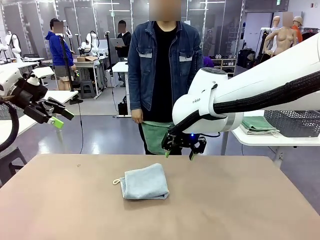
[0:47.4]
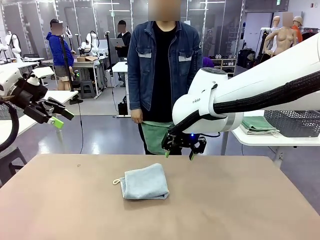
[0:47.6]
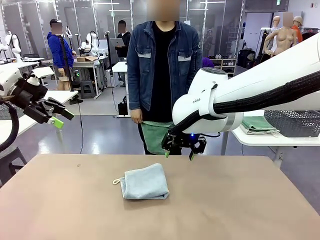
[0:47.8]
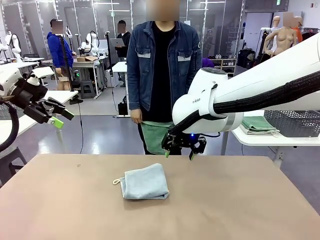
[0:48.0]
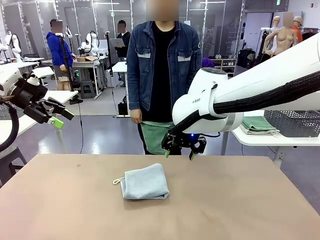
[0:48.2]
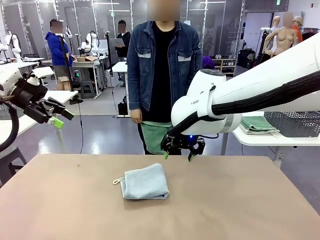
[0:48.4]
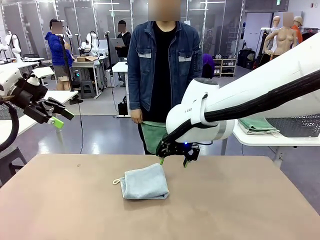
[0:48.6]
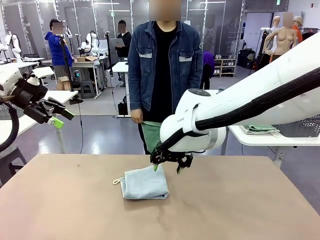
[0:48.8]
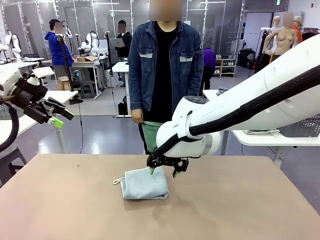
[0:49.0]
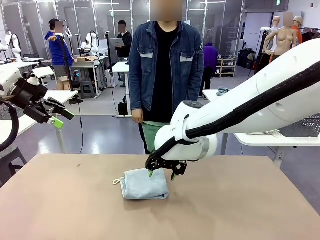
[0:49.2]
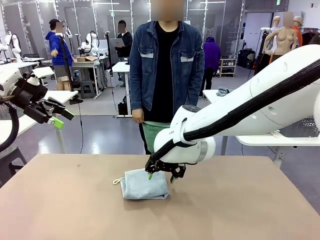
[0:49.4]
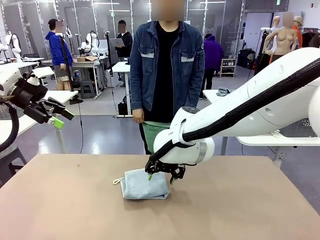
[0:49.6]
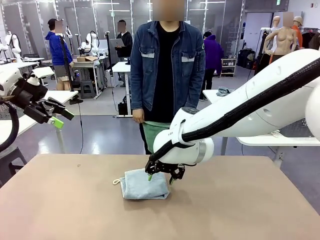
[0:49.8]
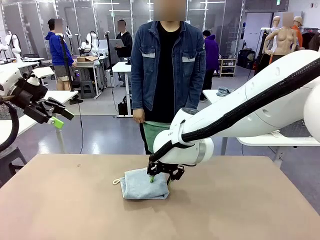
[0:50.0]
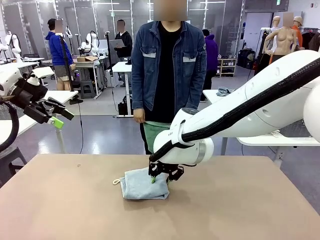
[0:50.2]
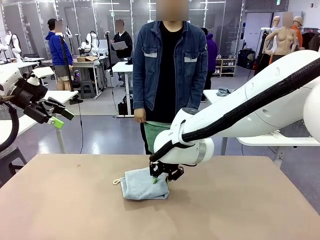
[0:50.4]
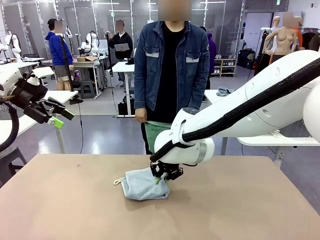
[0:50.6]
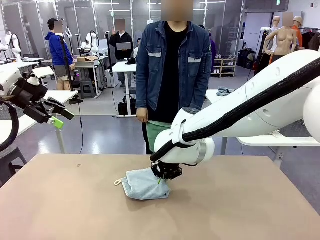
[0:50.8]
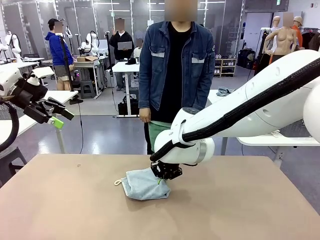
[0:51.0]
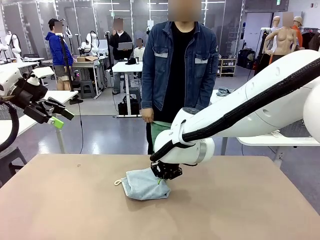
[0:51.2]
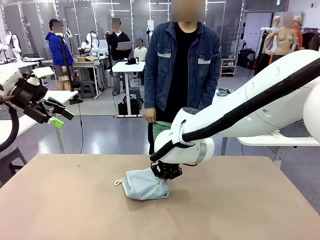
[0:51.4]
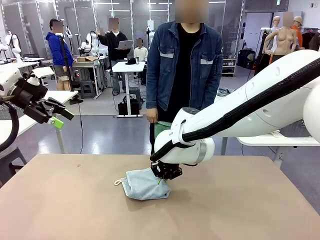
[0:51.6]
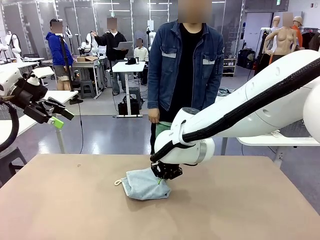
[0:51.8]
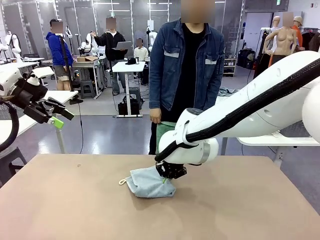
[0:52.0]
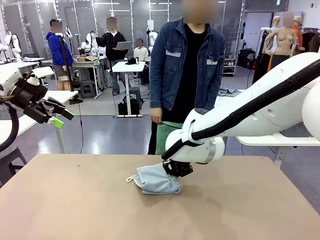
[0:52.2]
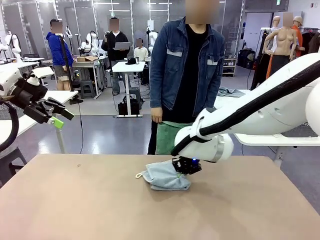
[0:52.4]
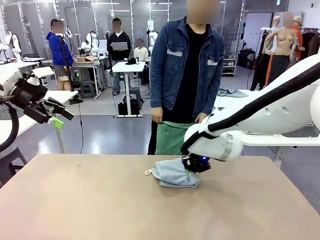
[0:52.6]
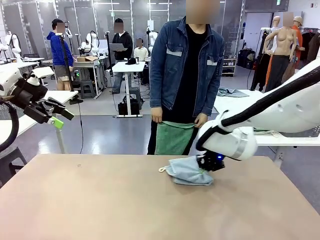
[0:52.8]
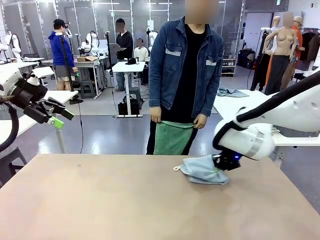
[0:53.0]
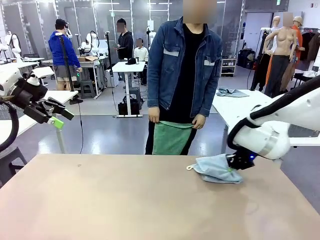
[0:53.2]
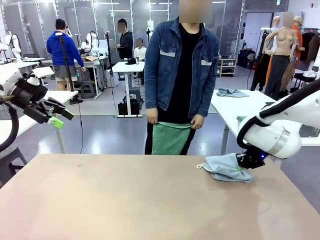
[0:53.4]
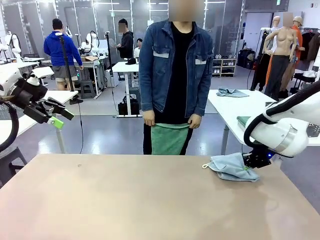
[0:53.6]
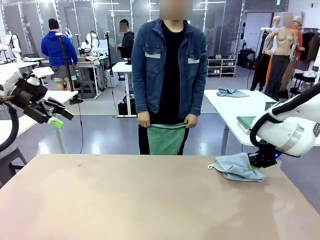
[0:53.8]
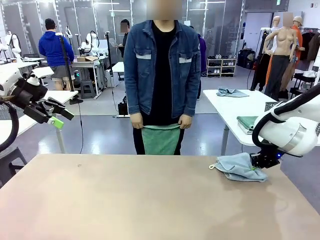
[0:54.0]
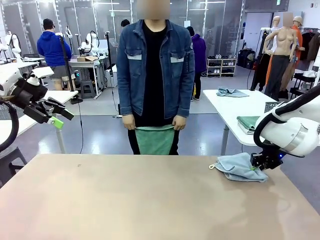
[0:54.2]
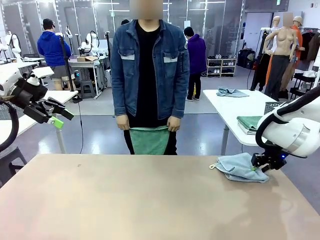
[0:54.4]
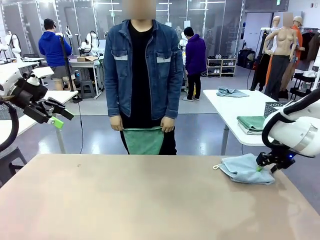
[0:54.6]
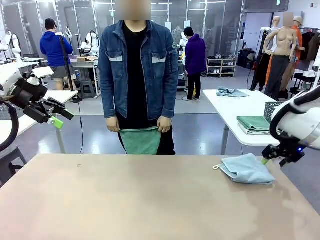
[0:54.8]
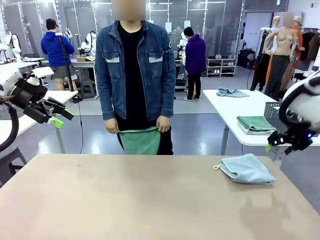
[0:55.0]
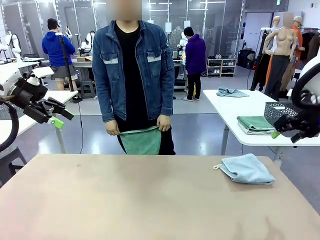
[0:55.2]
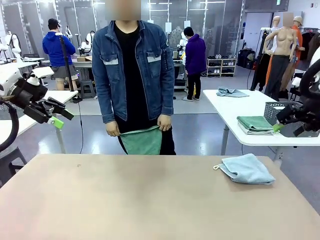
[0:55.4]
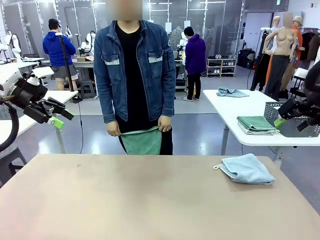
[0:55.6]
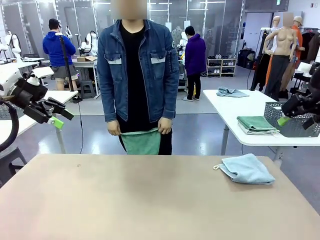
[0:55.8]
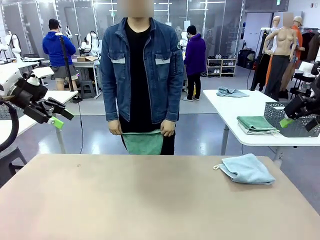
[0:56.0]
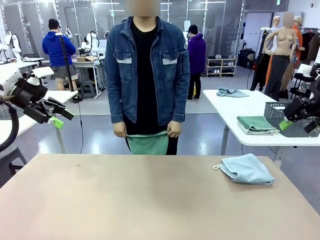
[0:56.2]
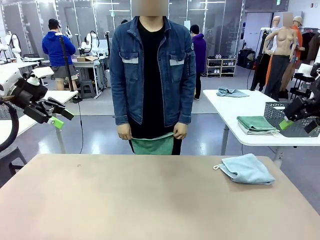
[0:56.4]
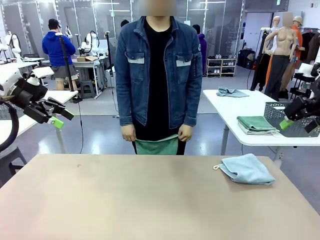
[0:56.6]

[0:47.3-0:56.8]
Task: Fold the towels and place them in the basket.
Robot: Place the folded Towel with hook on the right side of the table.

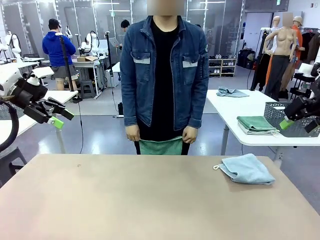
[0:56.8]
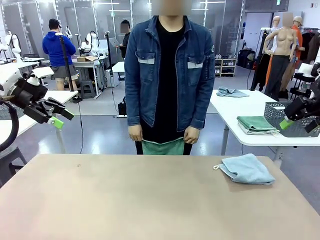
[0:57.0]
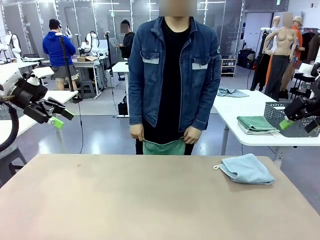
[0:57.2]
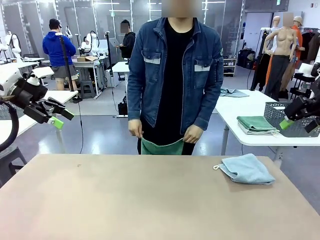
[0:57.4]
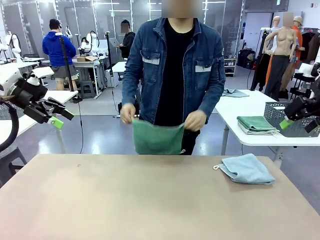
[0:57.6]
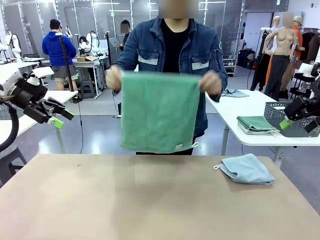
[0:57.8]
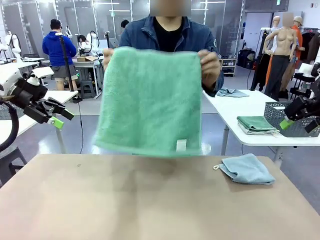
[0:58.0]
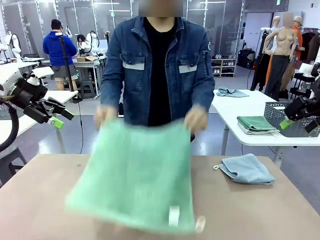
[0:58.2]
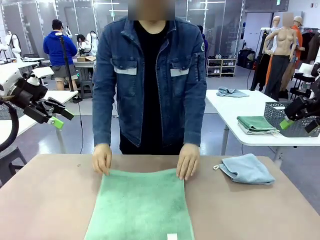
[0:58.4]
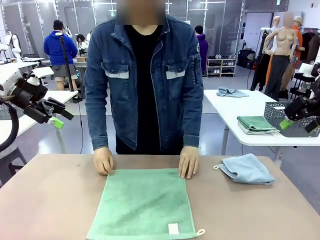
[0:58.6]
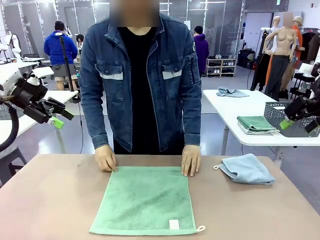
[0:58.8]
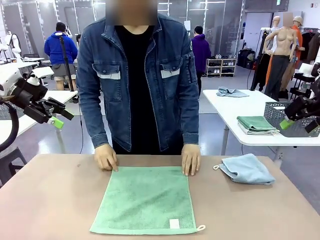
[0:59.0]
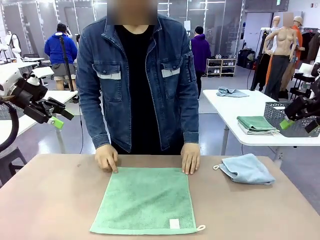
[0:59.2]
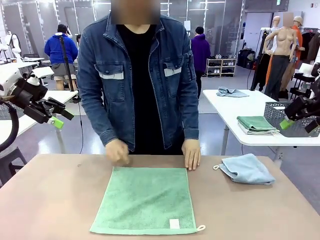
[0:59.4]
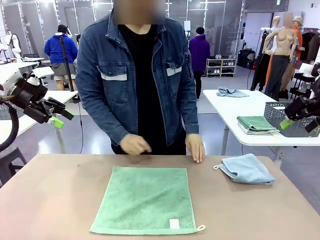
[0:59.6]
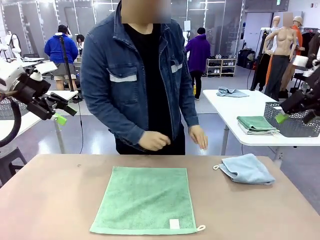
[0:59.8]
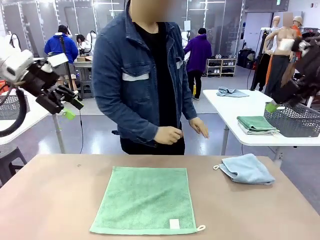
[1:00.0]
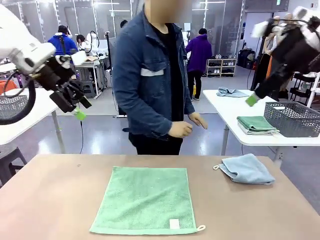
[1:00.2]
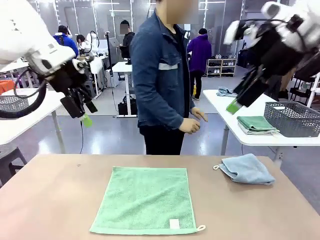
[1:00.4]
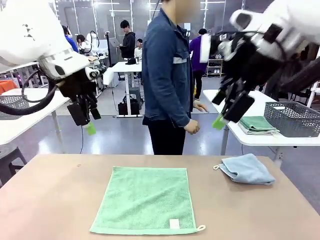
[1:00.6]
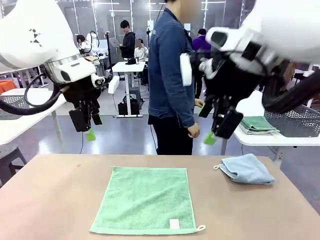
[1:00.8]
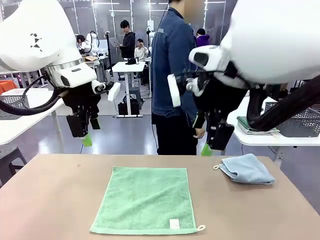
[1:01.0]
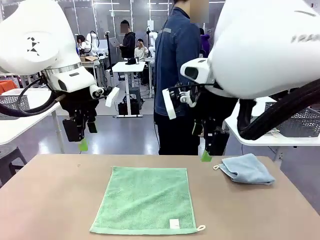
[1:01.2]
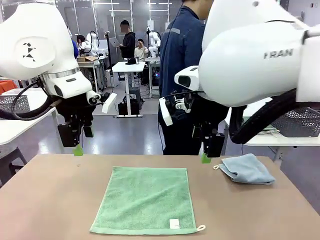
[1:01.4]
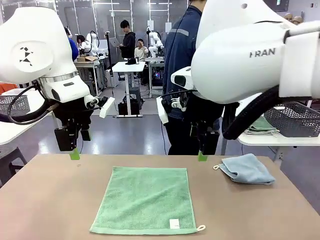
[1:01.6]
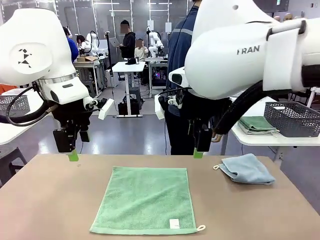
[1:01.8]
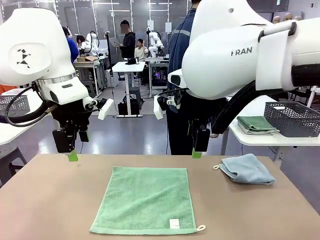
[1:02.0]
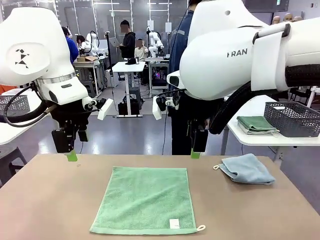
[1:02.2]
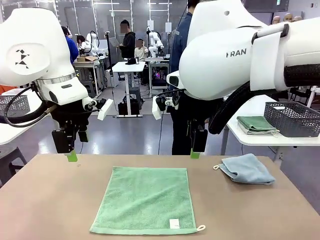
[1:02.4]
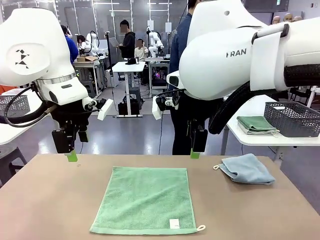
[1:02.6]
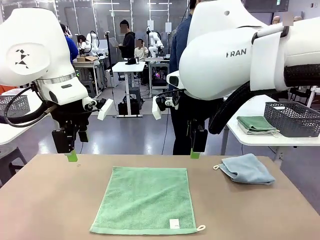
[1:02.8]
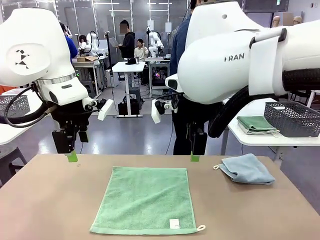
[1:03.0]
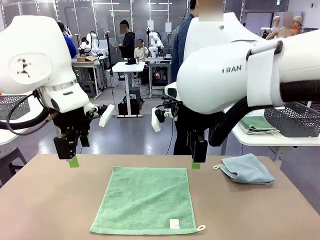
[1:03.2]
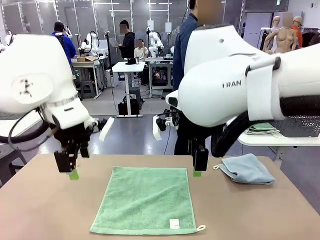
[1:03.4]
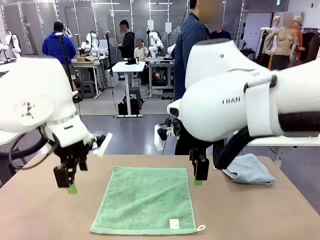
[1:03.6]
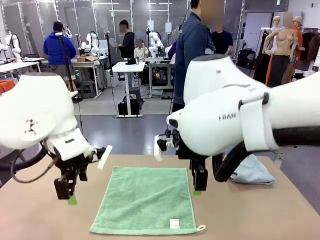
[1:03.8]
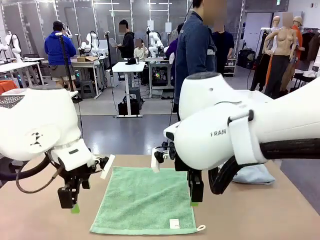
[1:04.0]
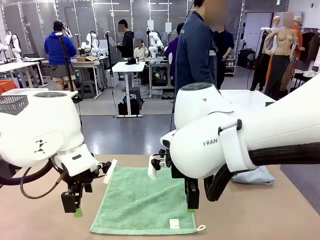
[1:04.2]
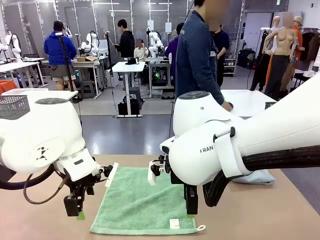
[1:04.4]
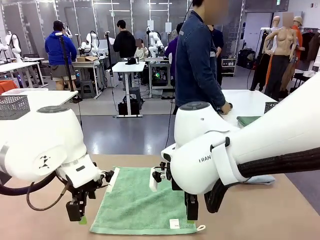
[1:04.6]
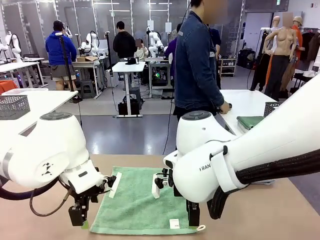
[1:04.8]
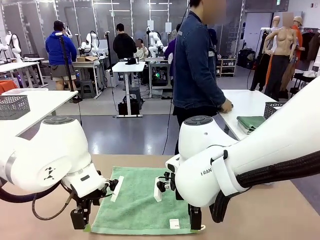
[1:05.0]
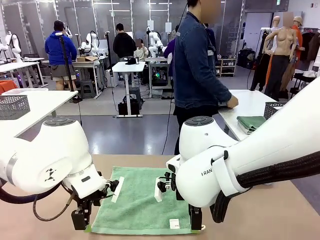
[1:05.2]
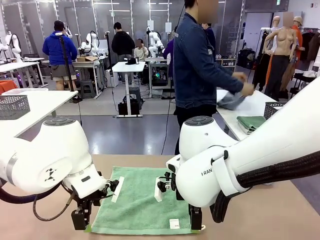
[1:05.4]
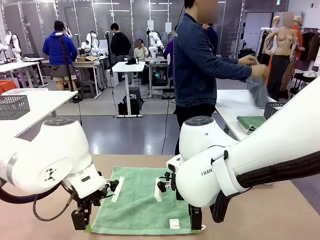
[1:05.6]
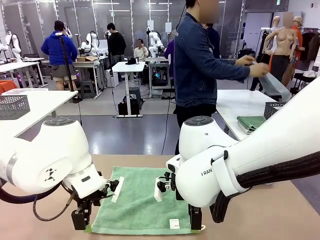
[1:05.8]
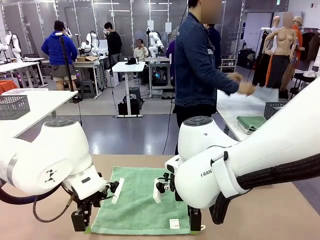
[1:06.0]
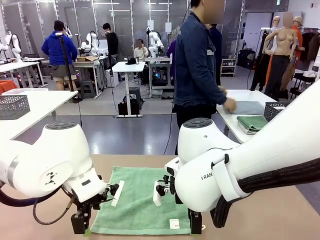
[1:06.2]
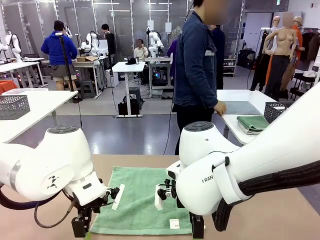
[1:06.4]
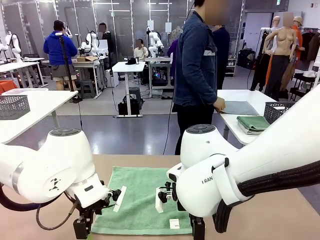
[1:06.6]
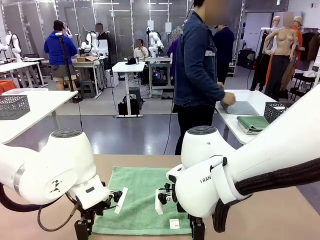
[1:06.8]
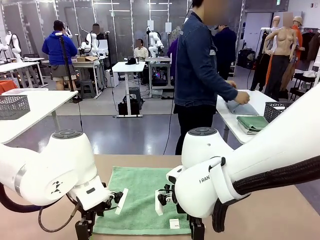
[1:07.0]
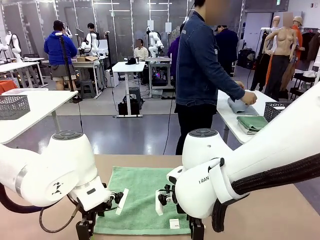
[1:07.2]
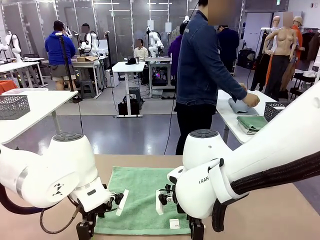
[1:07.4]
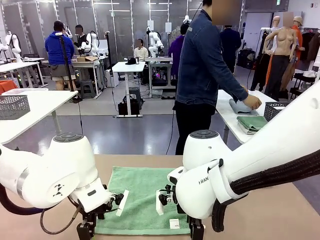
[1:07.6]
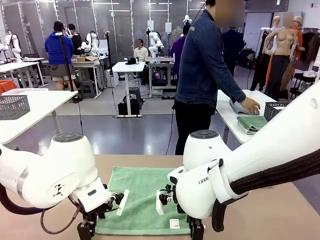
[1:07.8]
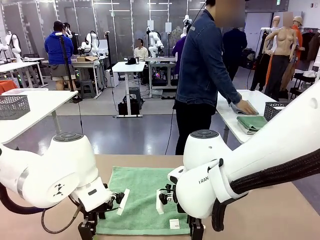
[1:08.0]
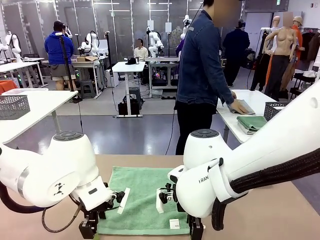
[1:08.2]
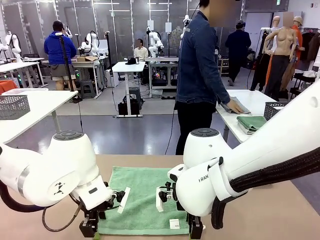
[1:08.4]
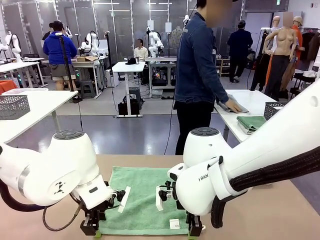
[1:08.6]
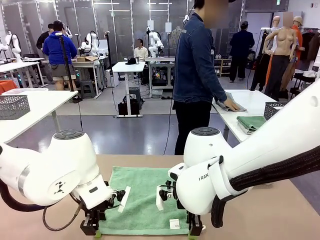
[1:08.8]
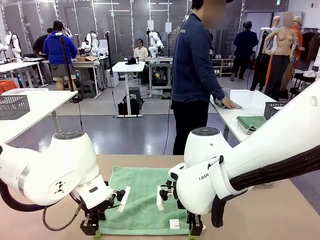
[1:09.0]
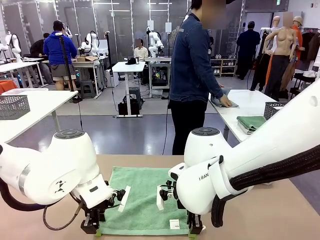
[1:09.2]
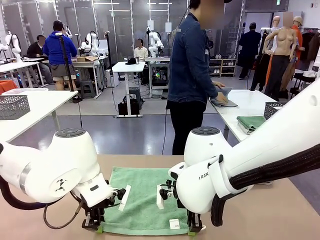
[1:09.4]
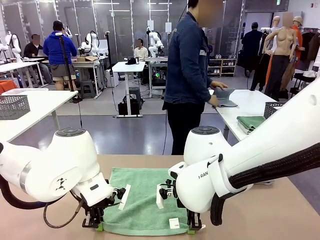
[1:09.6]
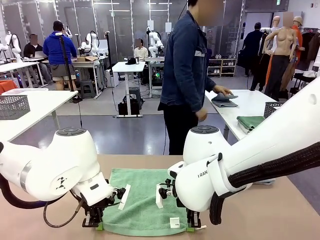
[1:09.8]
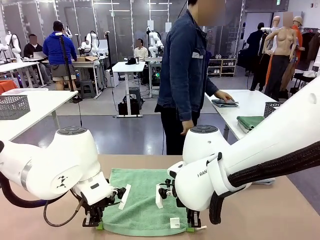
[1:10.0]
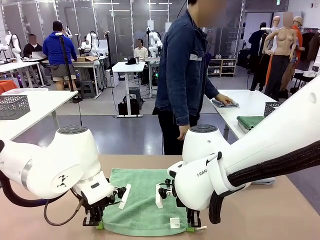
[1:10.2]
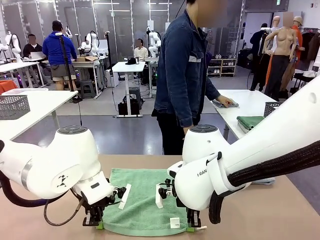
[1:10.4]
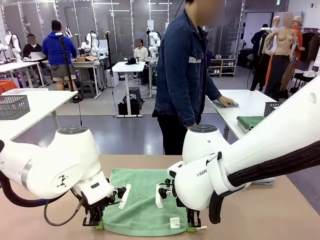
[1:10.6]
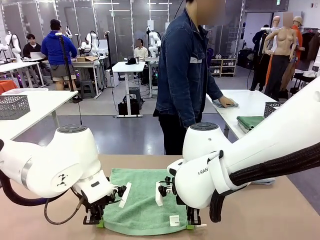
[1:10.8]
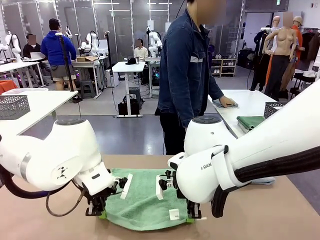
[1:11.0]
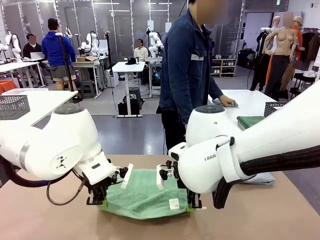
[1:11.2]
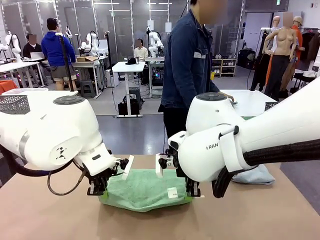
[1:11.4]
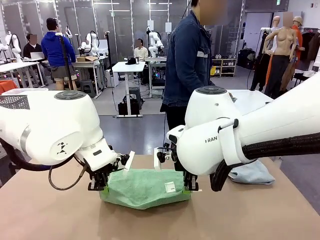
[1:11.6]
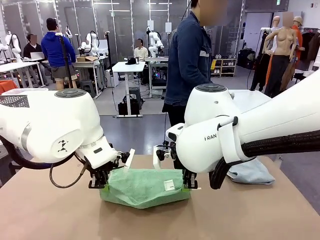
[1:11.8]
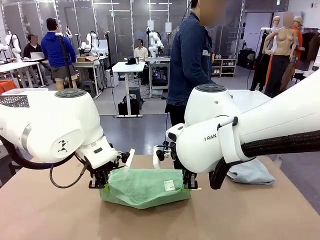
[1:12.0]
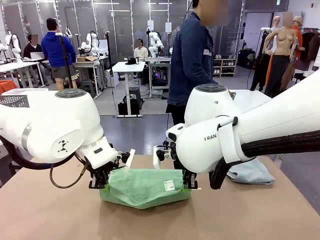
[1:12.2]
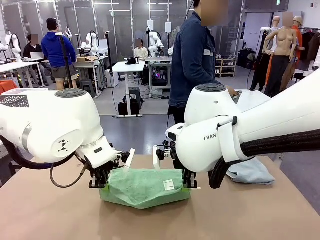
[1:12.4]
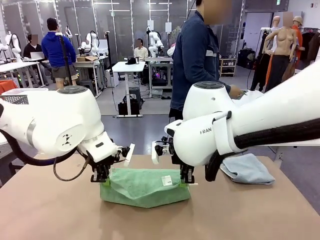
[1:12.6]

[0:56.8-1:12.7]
Robot: When a person lays out a Towel with hook on the table, fold it in half twice.
Person: Pick up one towel from the left side of the human table, fold it in half twice, and stack it on the right side of the table.
